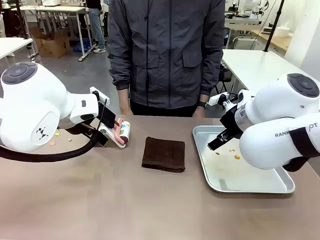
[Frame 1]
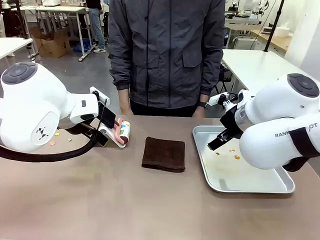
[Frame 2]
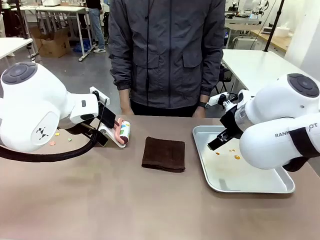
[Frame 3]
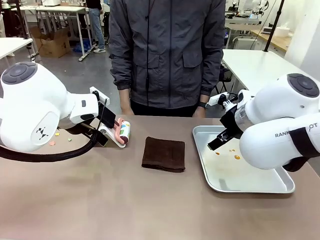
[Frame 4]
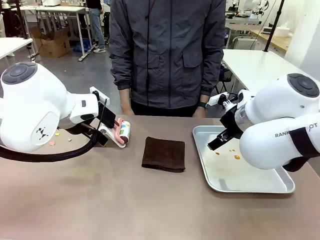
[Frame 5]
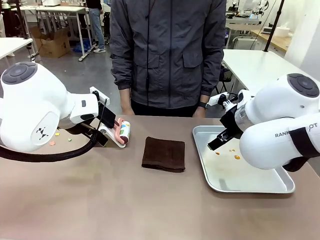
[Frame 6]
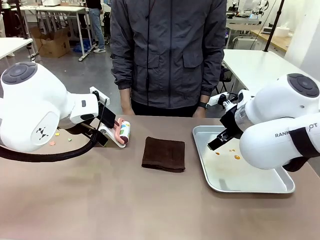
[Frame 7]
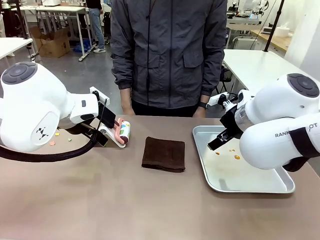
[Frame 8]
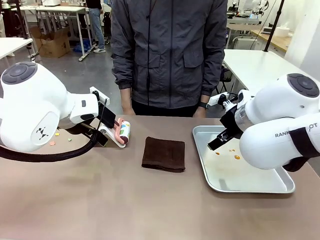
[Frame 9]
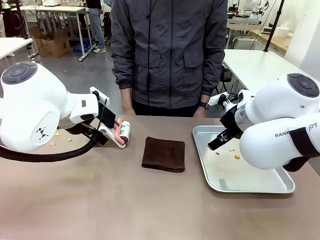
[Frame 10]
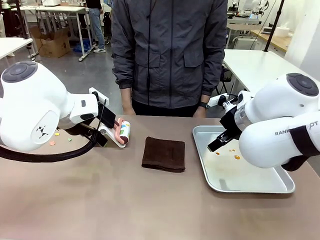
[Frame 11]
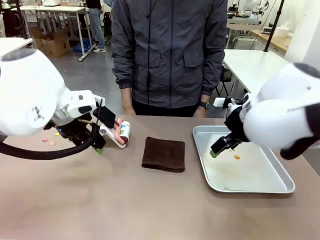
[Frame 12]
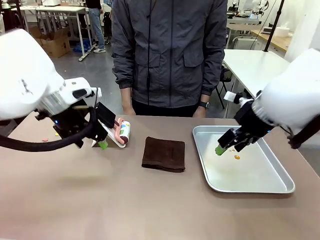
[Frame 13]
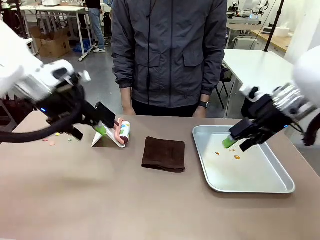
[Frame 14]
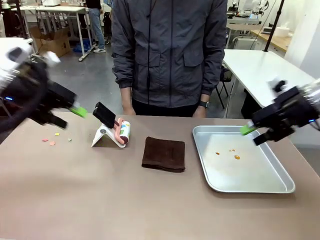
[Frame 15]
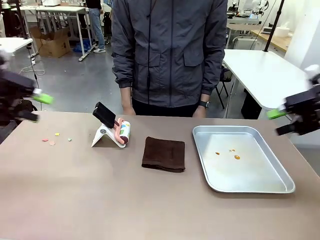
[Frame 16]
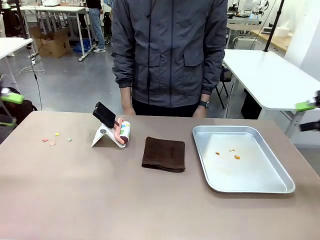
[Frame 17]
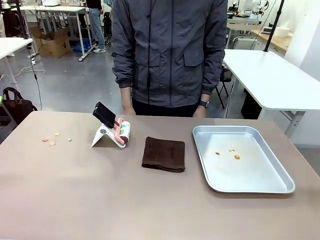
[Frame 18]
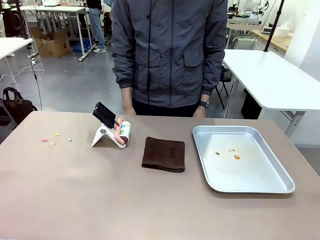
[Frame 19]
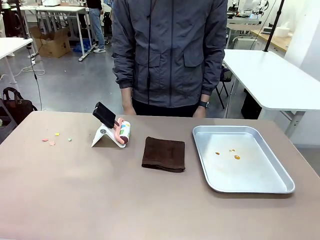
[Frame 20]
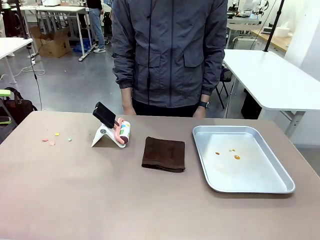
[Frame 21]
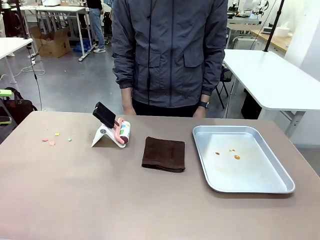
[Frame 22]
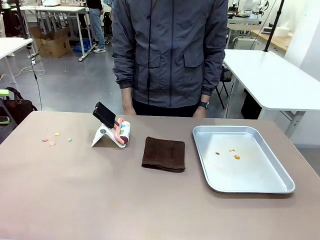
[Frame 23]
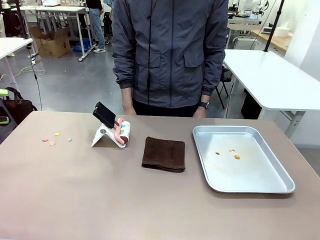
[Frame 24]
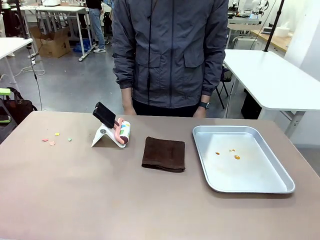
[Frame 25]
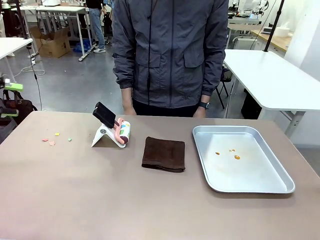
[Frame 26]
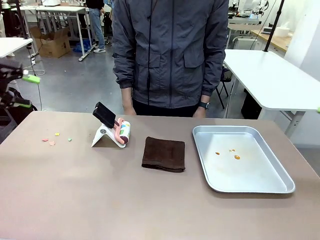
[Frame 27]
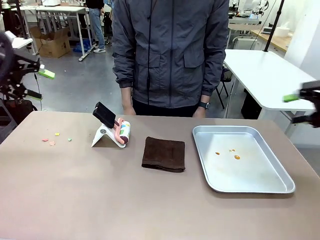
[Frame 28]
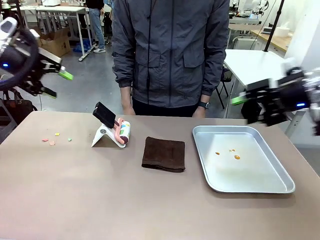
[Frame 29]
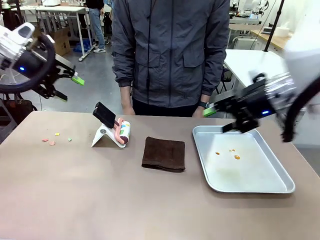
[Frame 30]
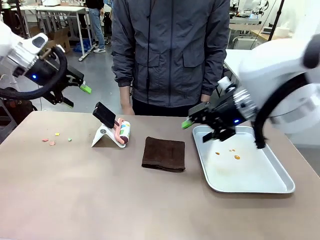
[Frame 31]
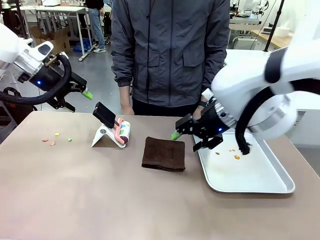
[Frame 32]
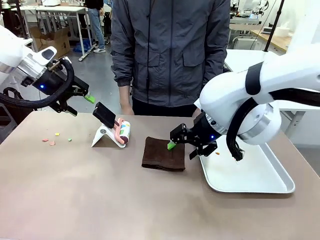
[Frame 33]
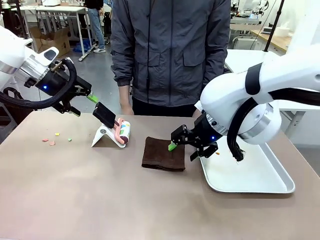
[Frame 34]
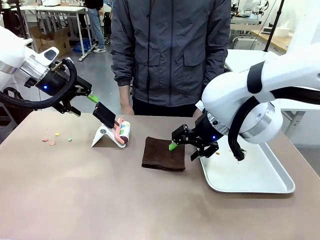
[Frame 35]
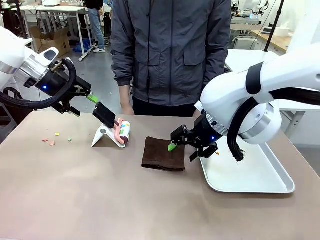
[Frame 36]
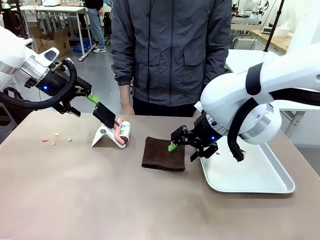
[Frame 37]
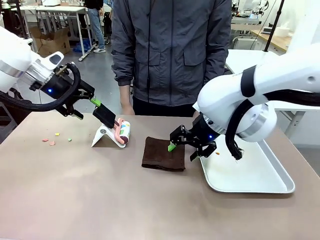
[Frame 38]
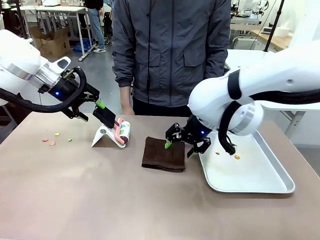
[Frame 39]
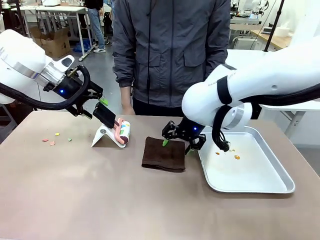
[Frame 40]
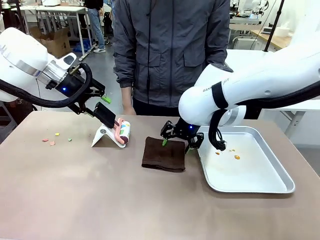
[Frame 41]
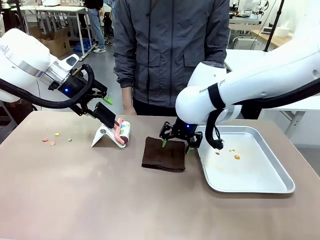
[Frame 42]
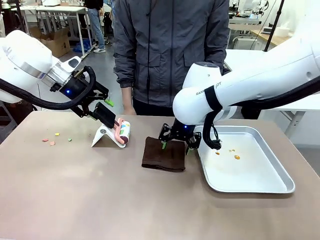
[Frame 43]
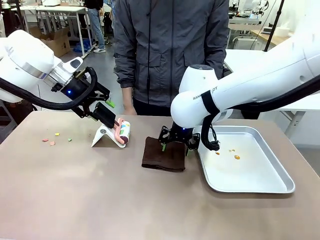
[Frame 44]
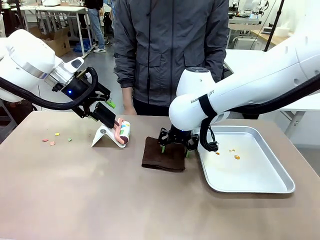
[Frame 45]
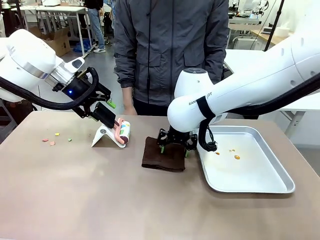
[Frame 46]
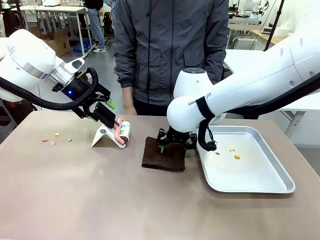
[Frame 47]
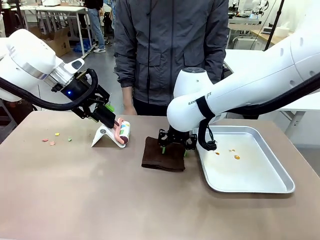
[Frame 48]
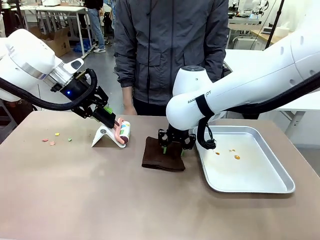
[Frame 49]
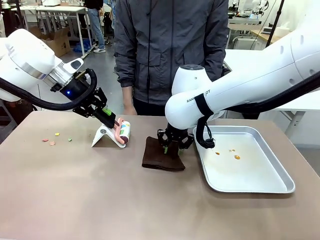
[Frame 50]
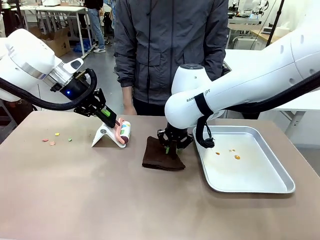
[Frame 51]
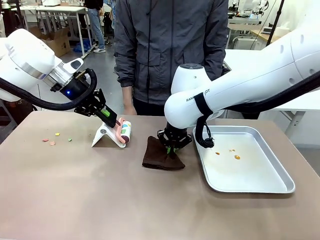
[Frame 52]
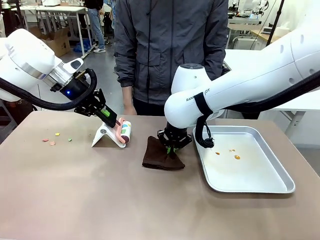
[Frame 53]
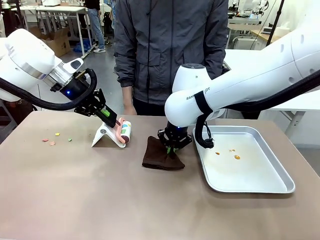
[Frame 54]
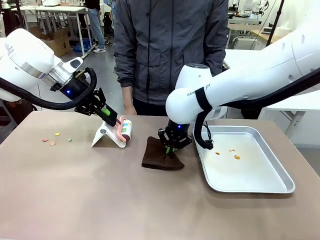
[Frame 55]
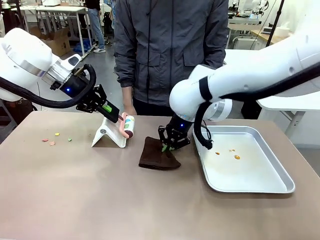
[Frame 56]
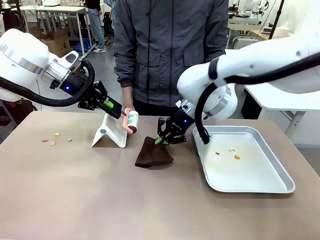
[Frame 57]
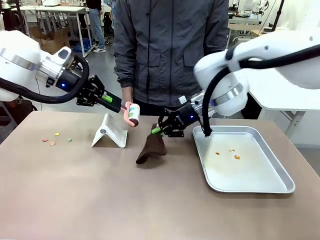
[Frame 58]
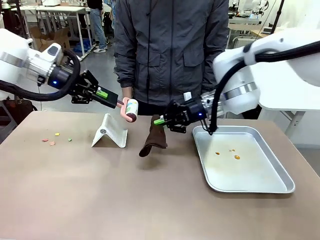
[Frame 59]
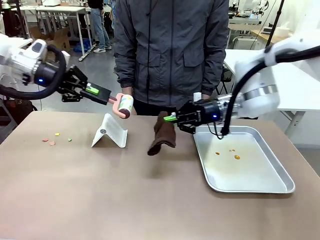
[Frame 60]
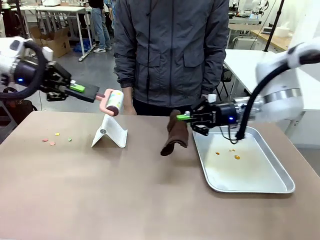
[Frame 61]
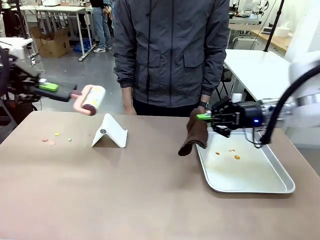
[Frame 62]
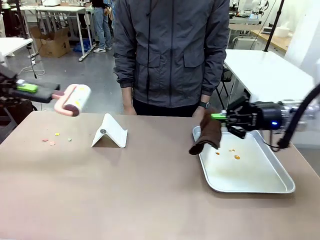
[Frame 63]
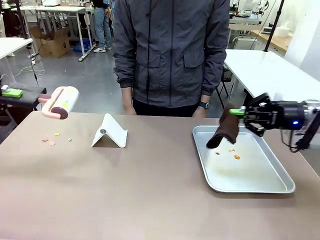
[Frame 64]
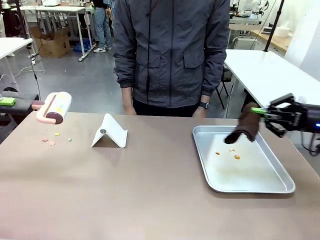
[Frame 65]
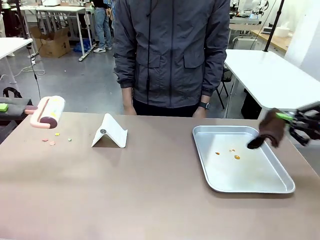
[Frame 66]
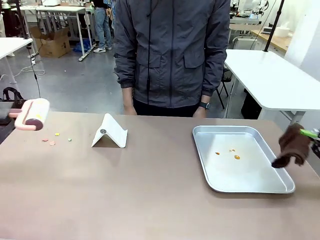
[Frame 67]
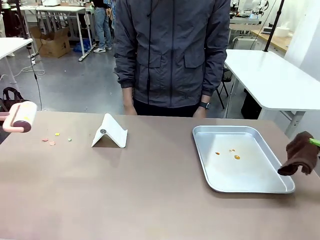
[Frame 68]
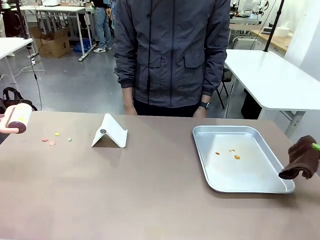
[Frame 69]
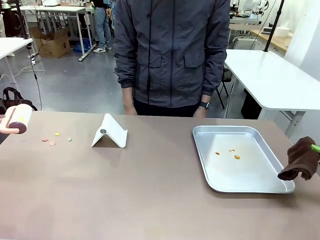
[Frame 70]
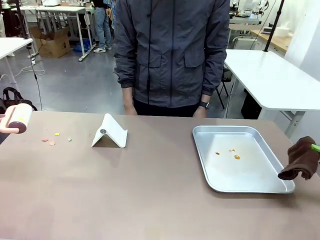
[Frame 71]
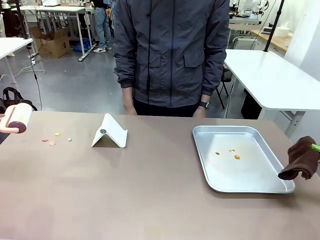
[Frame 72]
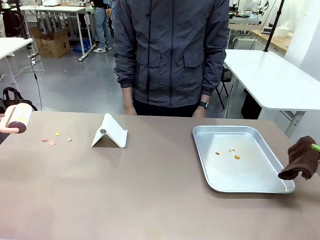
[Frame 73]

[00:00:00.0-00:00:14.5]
Task: Clean the surface of the table.
Robot: Hold the Lint Roller with your left hand and the towel with your right hand.

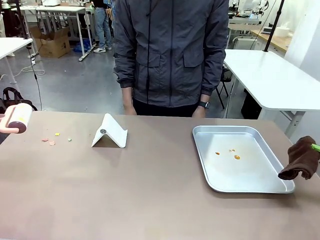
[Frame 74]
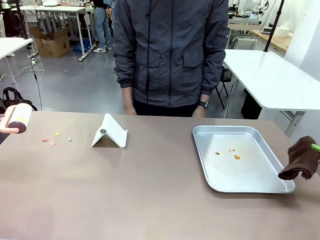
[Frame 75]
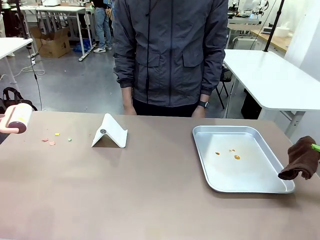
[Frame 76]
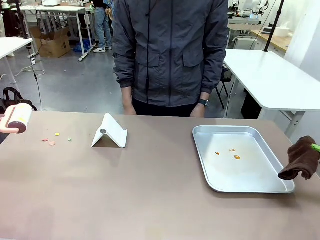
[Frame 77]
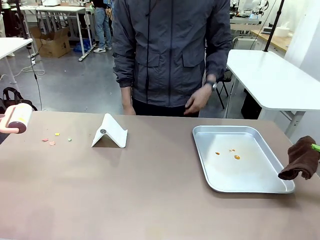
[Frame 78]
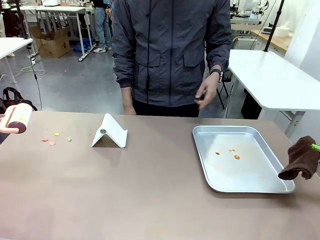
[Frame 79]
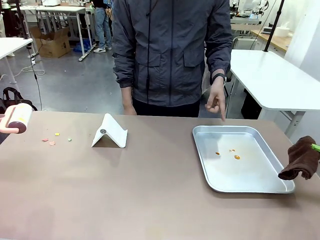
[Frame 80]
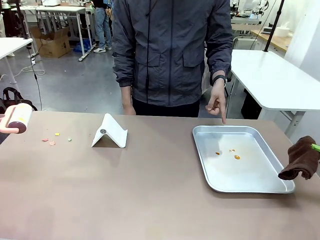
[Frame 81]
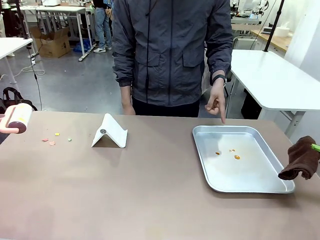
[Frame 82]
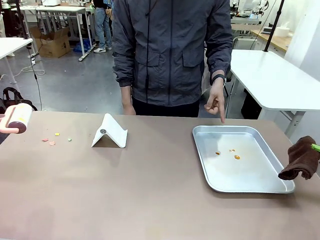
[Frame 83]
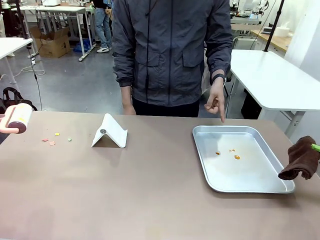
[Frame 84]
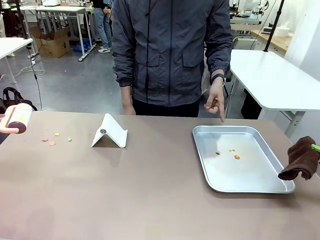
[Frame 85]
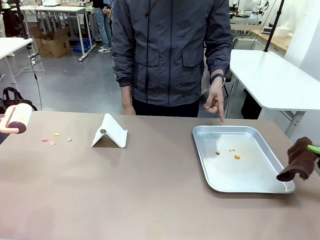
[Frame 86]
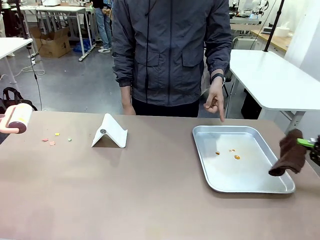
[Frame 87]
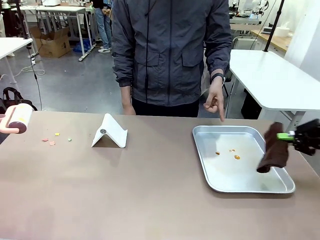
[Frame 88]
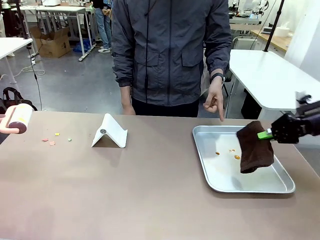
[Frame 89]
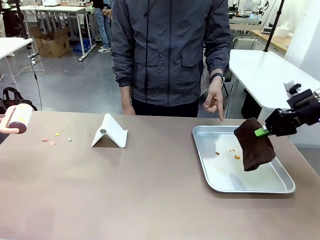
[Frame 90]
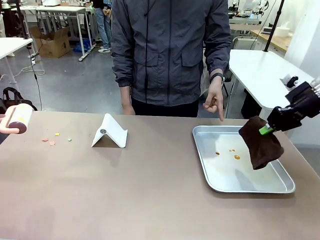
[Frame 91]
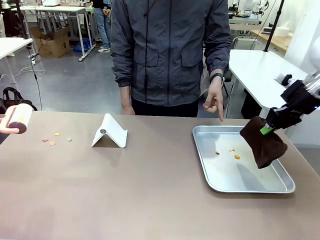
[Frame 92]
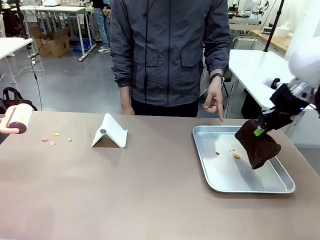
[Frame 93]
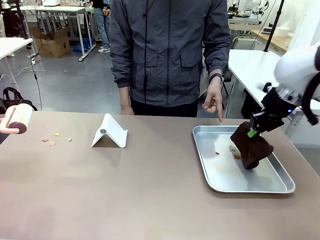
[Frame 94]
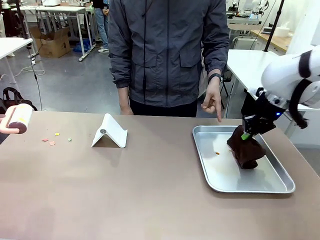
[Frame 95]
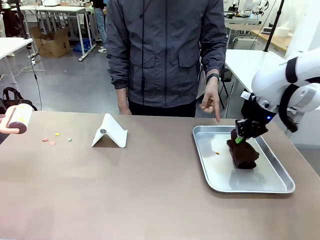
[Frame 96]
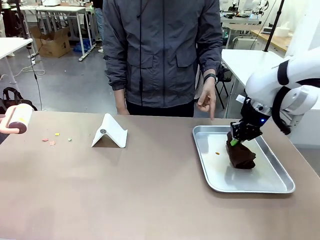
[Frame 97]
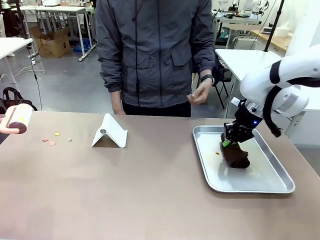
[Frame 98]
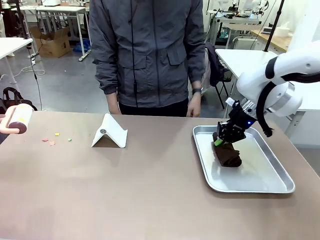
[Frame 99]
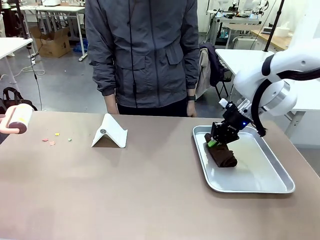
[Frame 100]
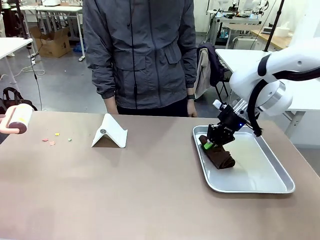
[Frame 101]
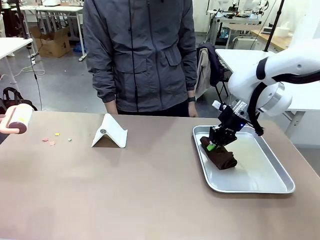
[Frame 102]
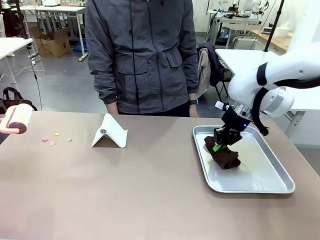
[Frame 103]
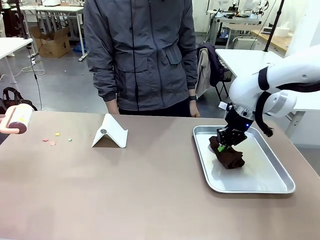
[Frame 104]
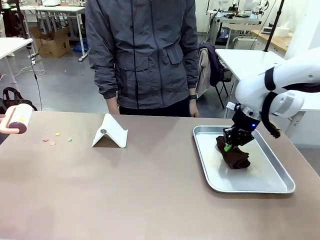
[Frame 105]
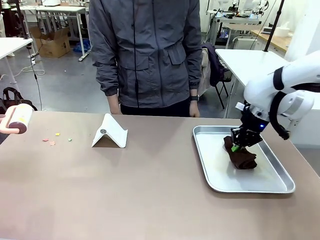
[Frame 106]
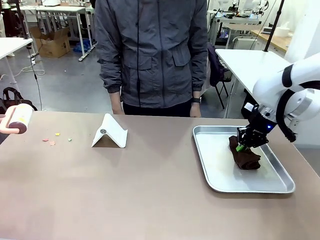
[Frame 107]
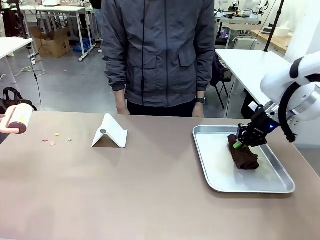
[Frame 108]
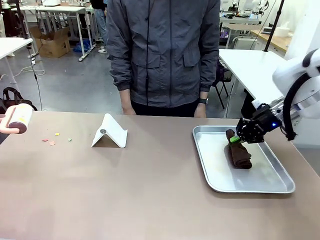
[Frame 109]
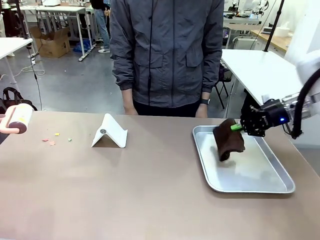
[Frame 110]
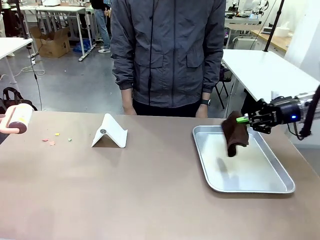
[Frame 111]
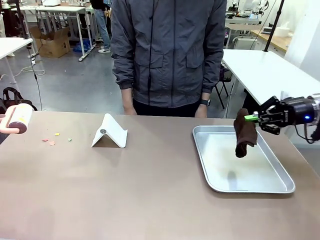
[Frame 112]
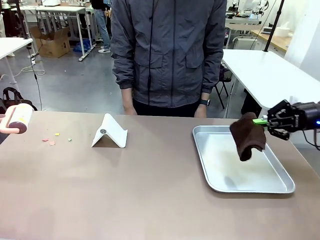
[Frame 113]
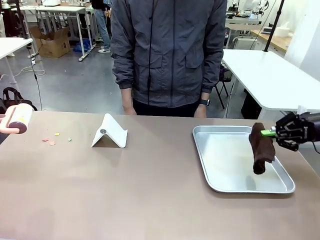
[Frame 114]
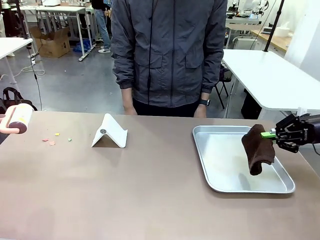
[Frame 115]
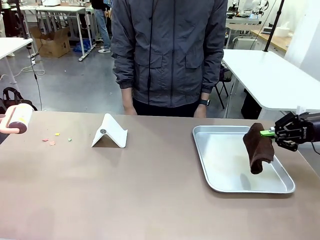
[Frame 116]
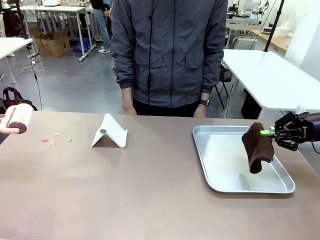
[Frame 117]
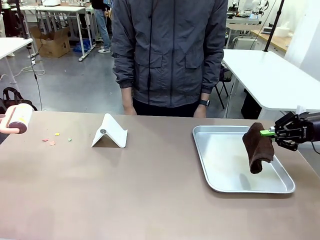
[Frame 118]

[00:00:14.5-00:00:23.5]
Robot: If a person points to the right, clean the right side of the table with your right hand, and if they point to the left, clean the left side with your left hand.
